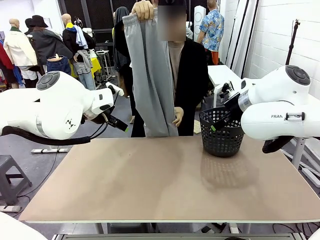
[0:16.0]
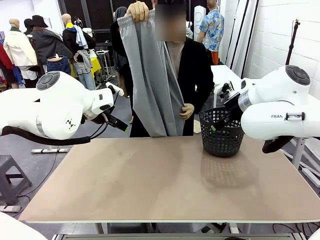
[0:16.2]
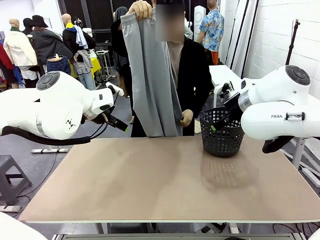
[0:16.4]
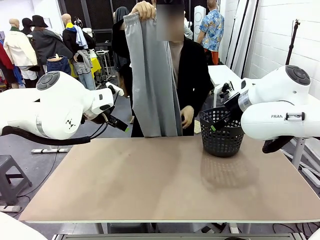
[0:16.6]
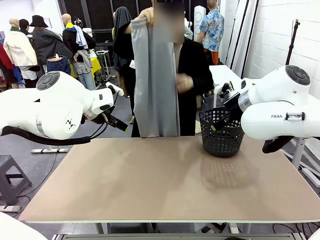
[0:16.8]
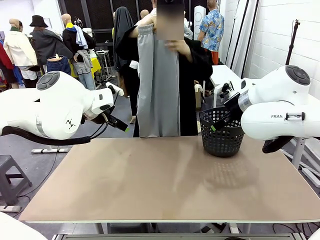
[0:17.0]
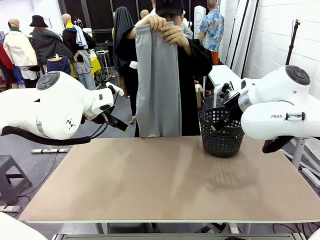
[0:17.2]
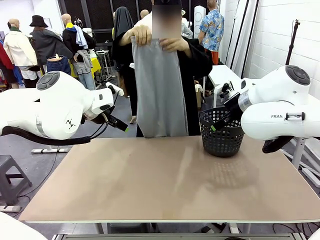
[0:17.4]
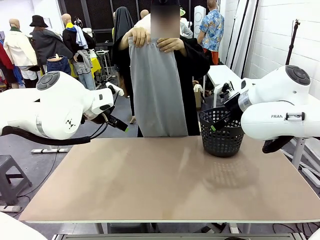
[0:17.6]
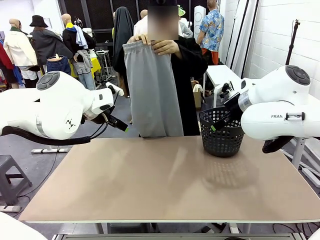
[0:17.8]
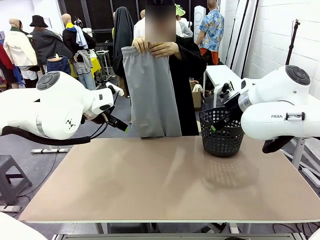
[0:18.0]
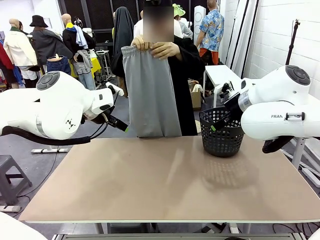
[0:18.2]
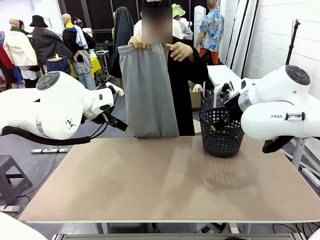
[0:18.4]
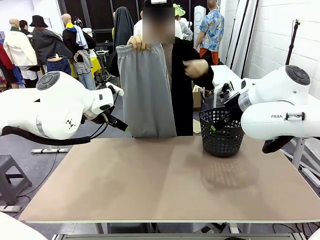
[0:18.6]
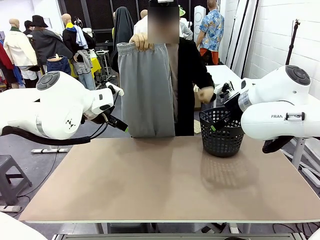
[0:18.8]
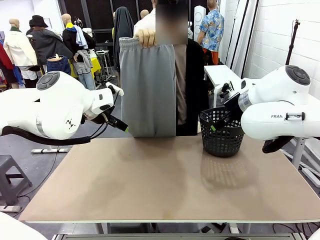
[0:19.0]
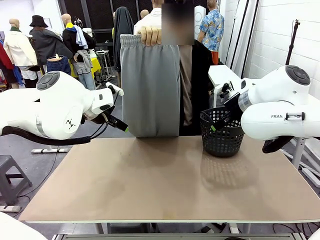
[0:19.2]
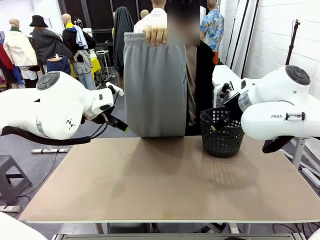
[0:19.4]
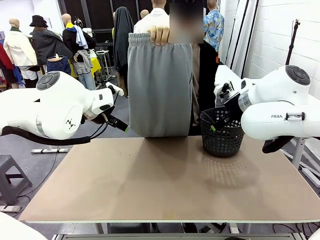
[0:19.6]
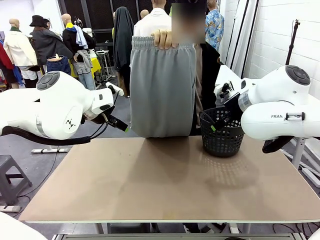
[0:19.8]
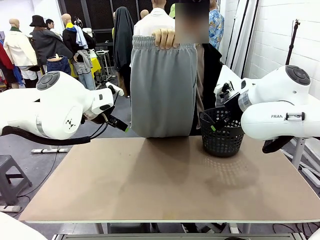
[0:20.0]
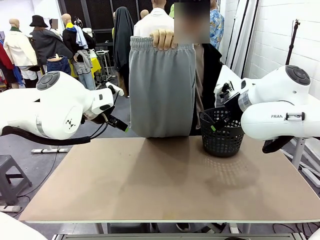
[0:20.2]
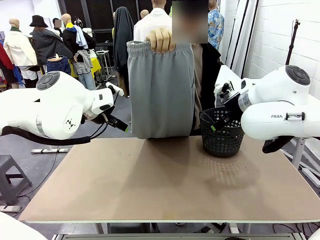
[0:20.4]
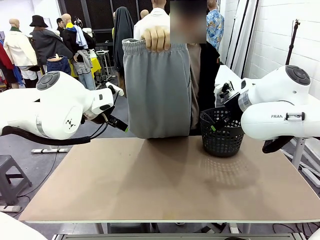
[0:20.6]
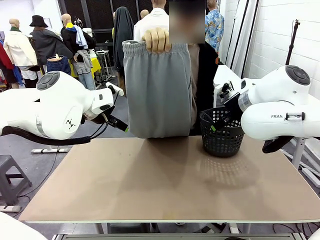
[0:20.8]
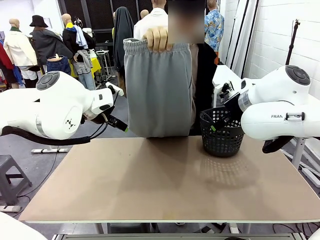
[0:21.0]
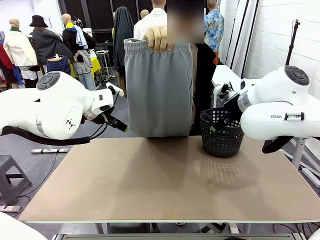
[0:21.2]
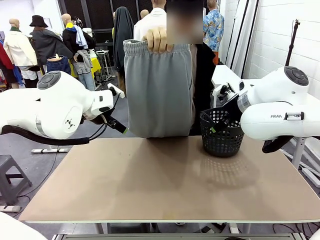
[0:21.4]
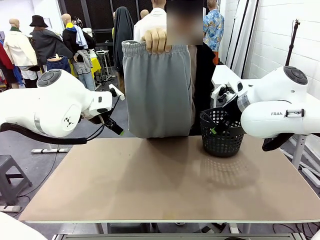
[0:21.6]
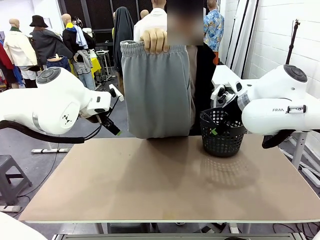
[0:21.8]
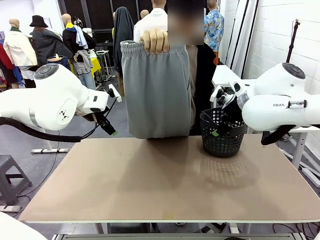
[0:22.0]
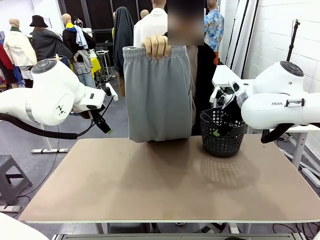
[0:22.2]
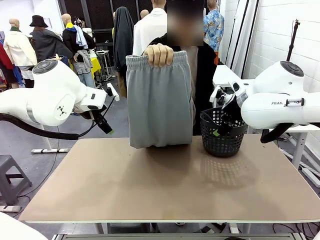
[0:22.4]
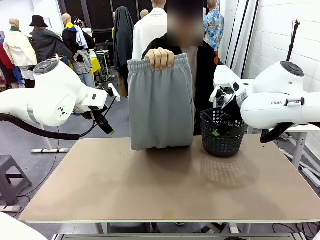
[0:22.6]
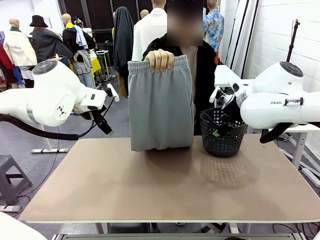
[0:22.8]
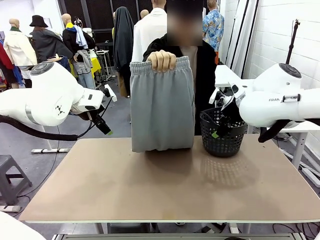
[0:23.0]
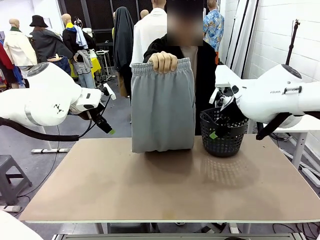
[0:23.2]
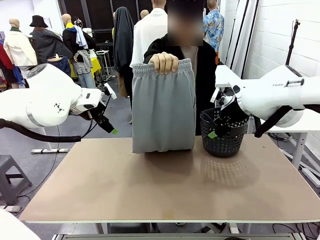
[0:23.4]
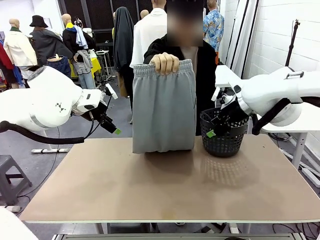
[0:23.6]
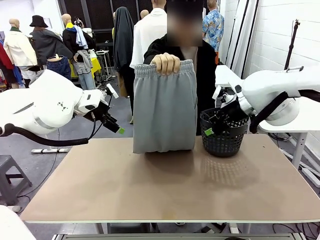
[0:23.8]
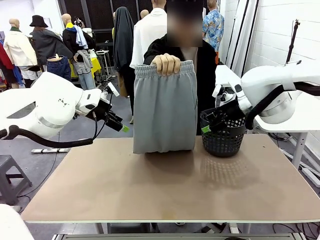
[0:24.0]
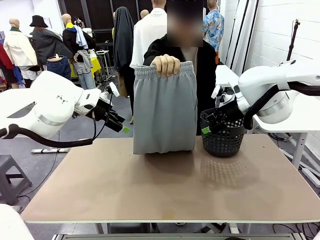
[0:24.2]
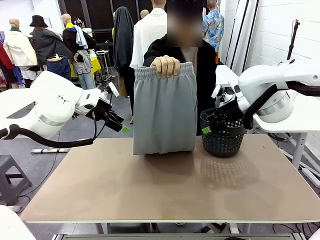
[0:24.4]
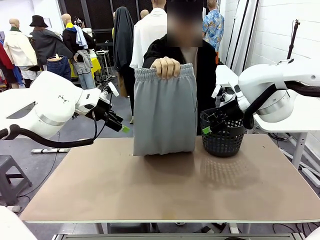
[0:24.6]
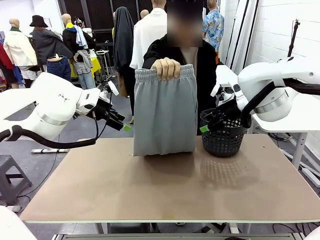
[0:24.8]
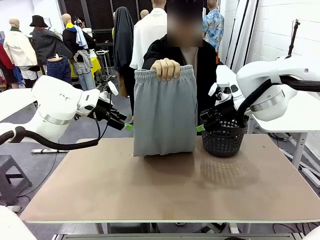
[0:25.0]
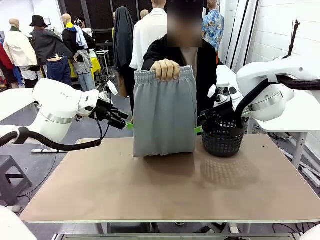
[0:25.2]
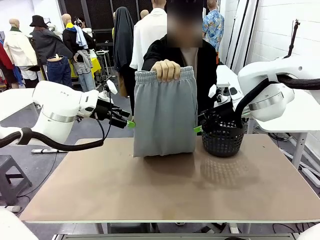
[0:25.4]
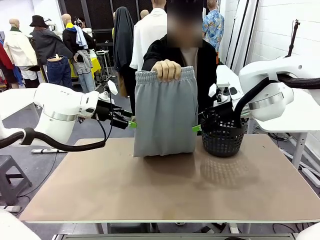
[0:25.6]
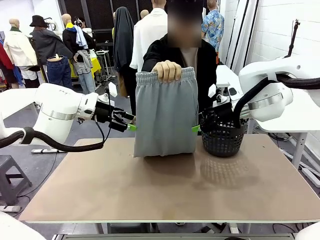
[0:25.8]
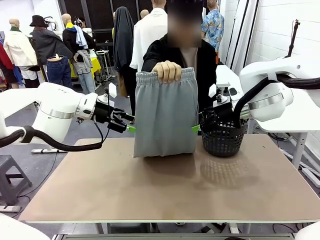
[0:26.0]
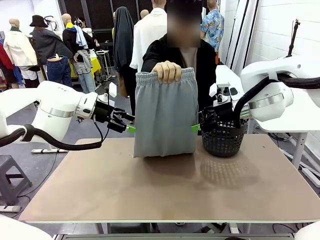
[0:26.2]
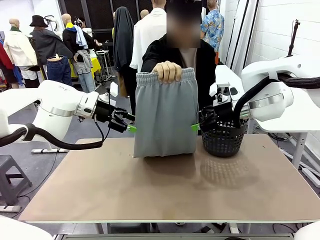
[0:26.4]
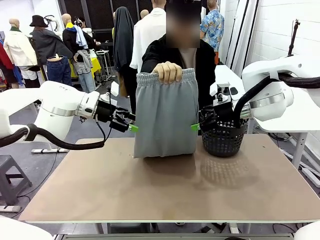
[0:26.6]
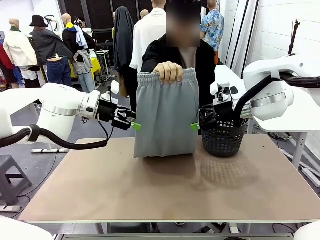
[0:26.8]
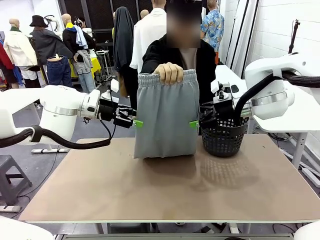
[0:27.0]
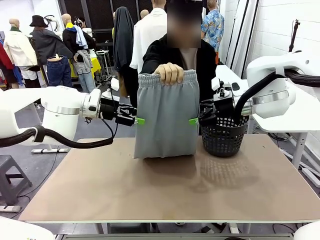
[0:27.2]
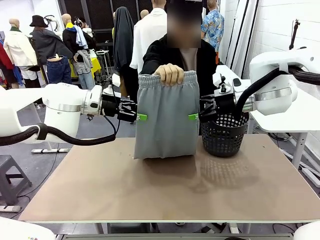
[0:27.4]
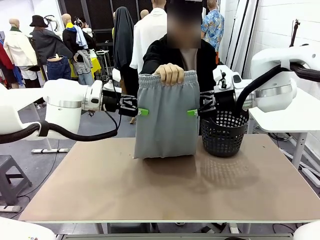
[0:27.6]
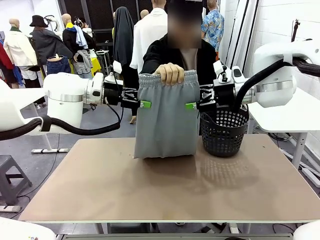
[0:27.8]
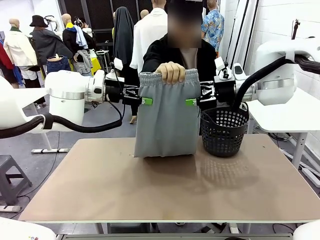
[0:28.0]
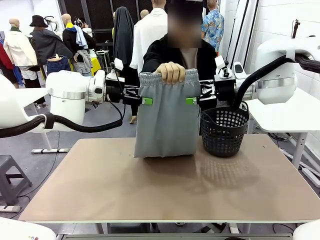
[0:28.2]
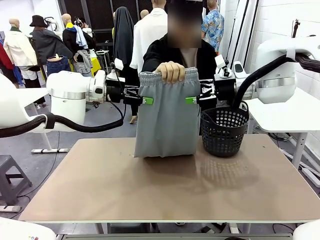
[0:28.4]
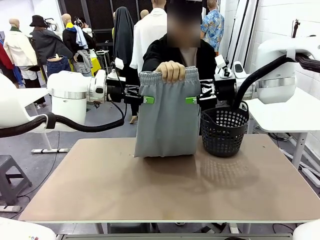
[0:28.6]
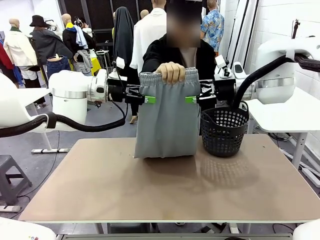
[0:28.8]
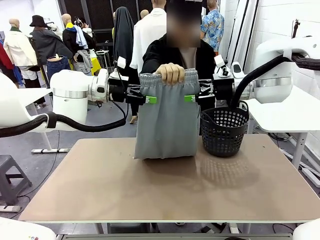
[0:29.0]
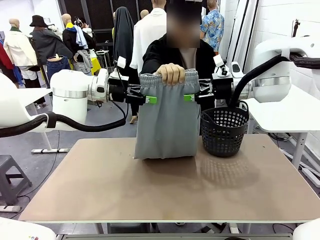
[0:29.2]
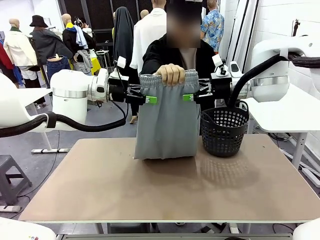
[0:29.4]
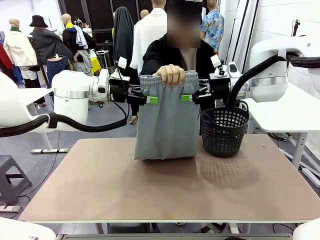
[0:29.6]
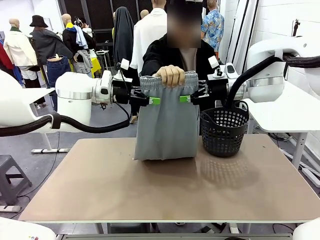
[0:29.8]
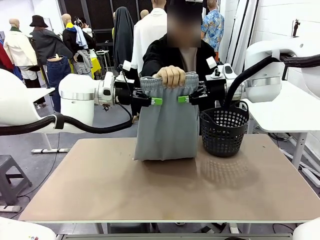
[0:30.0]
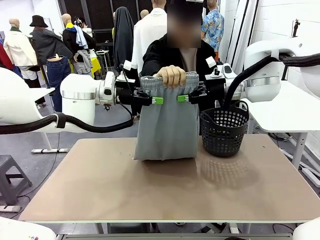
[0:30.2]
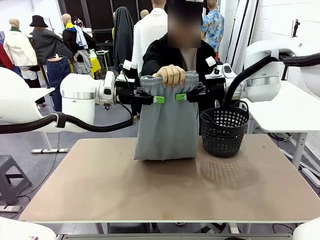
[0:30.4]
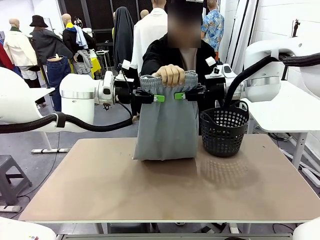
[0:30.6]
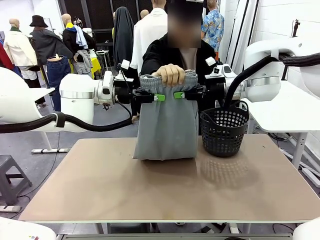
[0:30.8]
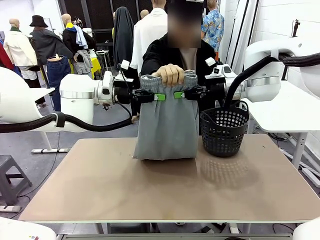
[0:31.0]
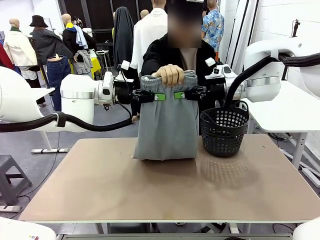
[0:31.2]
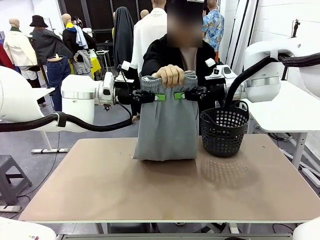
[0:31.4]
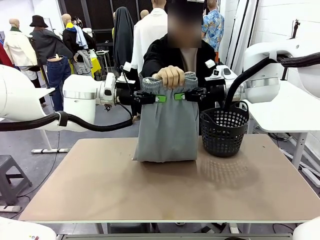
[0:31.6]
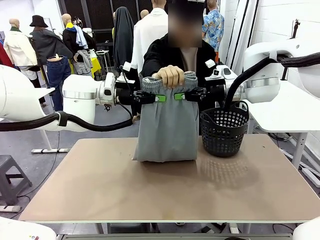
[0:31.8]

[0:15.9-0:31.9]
Task: Fold the training pants.
Robot: Grab both ends of the Training pants handed by a person.
